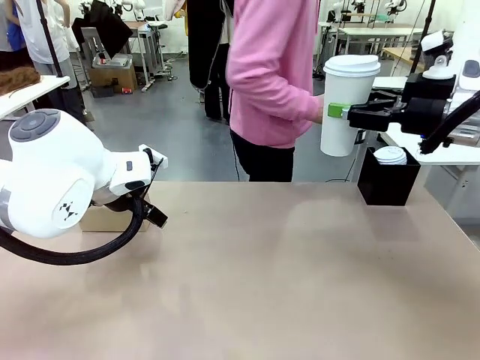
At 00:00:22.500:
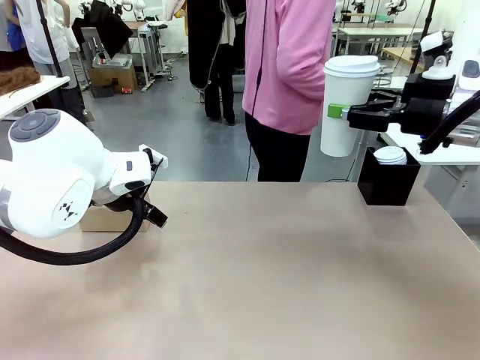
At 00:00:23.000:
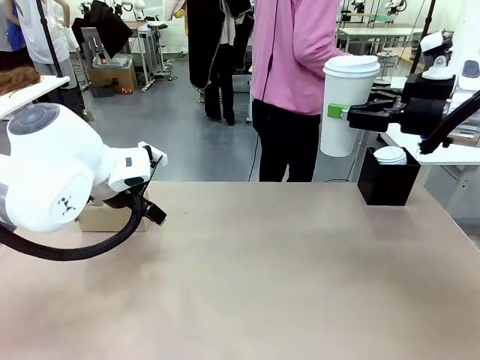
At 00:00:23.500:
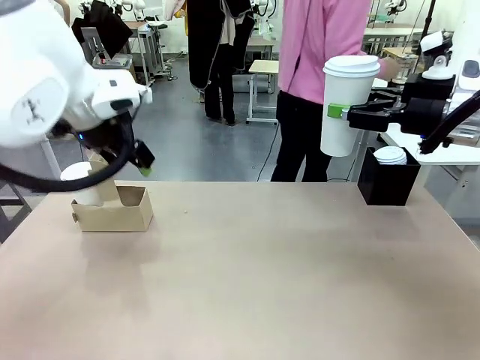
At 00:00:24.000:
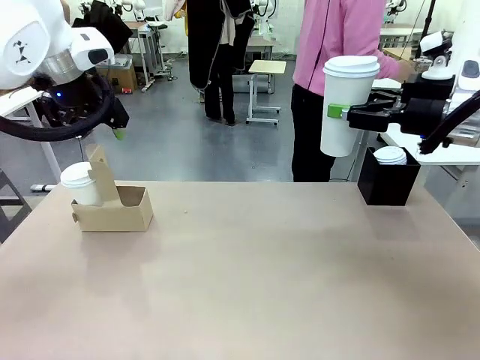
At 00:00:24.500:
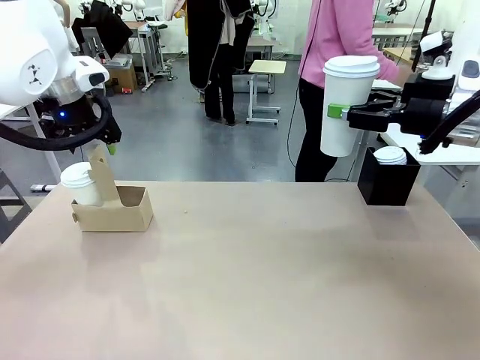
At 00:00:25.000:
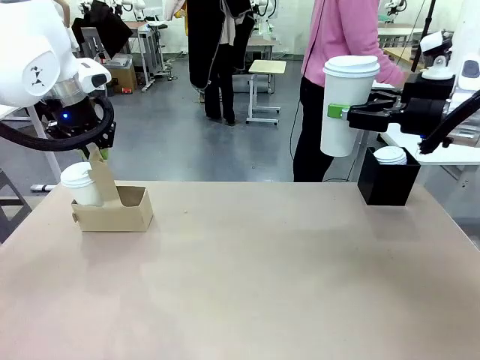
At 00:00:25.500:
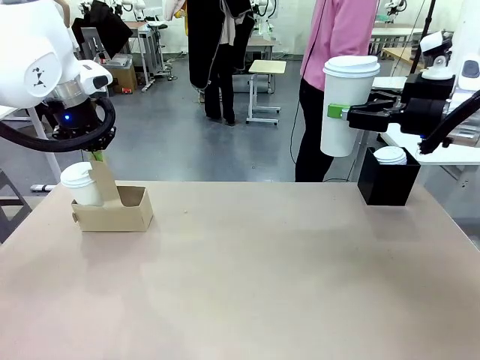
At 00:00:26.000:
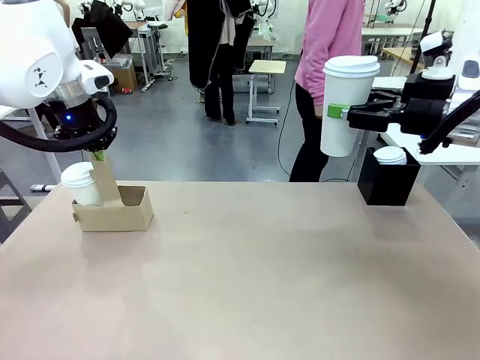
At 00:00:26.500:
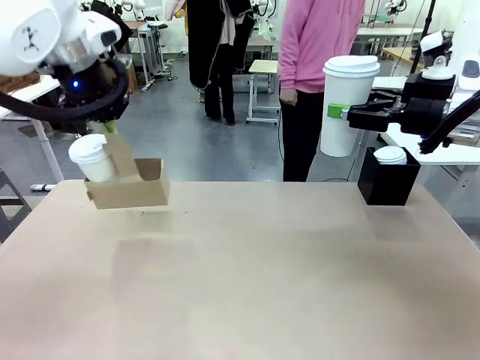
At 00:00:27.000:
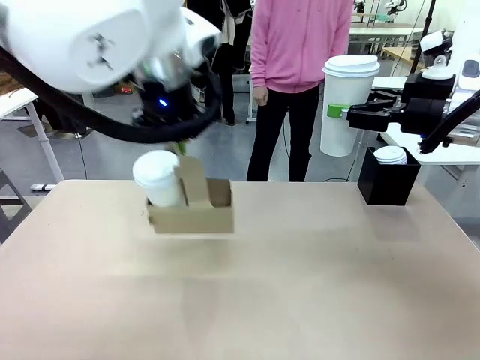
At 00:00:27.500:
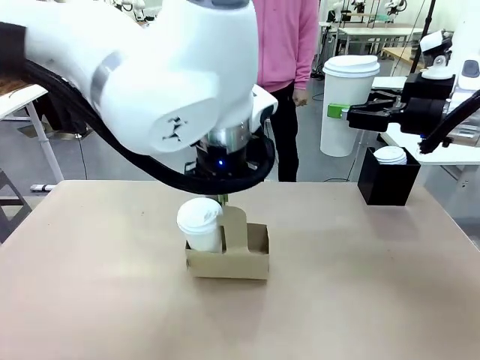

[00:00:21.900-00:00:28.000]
Task: Pour a drink into a cup and package it in a carrier.
Robot: Position the Cup Carrier in the center of the table.
Person: Pick up the Filter Brewing and place on the middle of Human table, and return to the Robot table.

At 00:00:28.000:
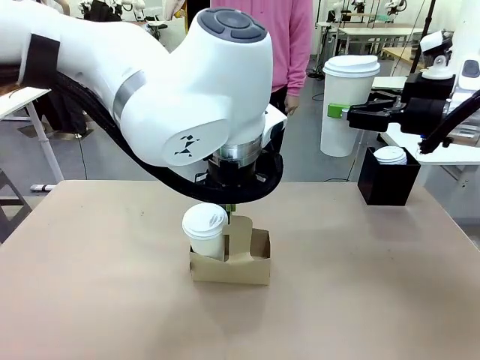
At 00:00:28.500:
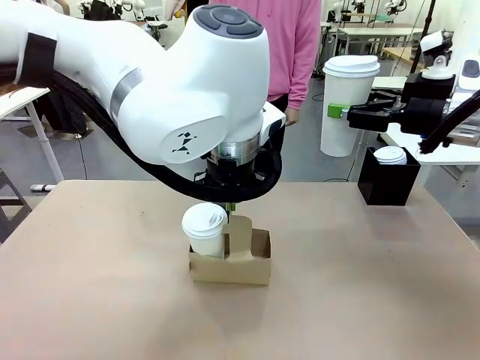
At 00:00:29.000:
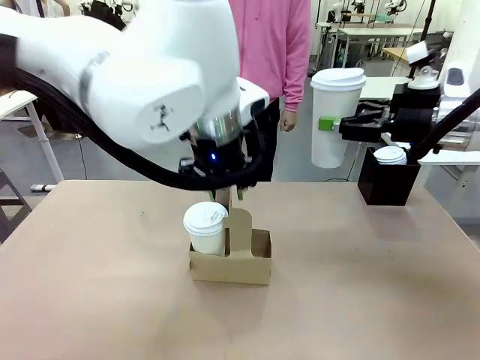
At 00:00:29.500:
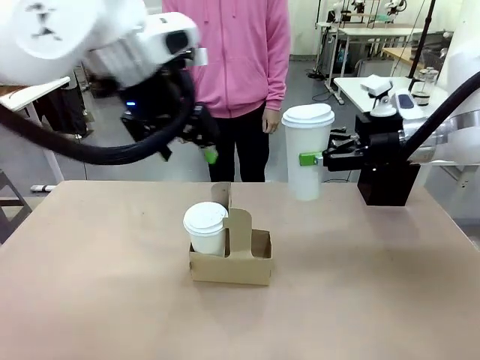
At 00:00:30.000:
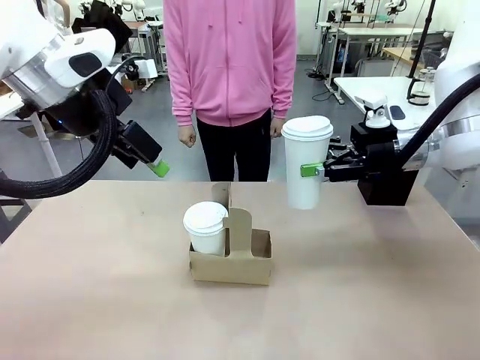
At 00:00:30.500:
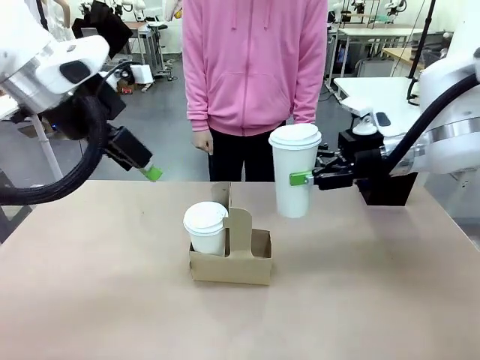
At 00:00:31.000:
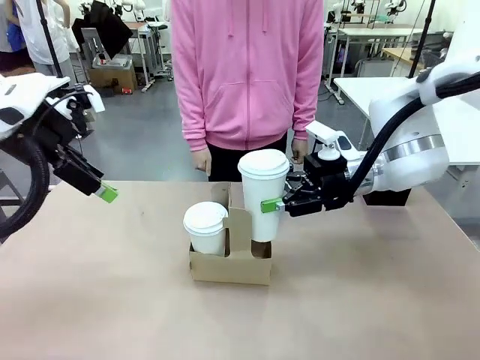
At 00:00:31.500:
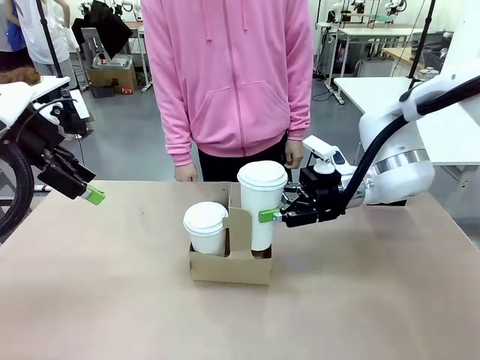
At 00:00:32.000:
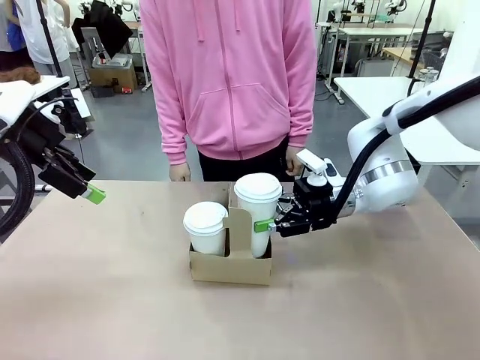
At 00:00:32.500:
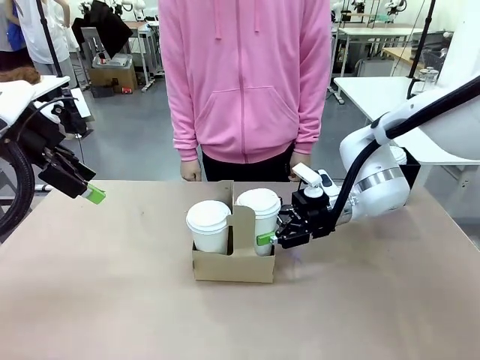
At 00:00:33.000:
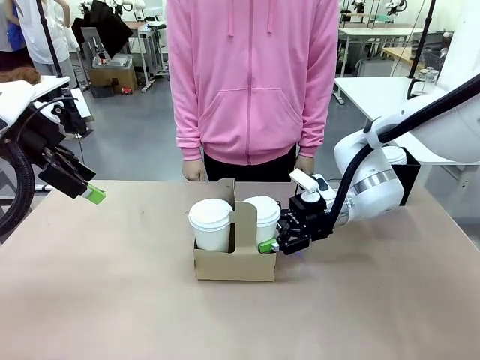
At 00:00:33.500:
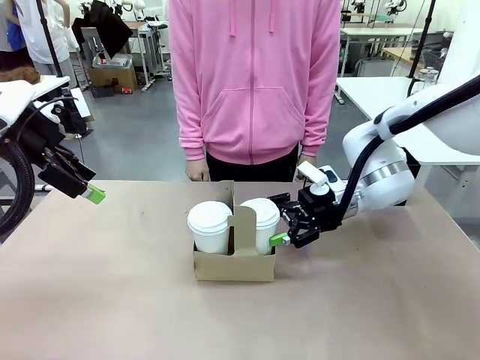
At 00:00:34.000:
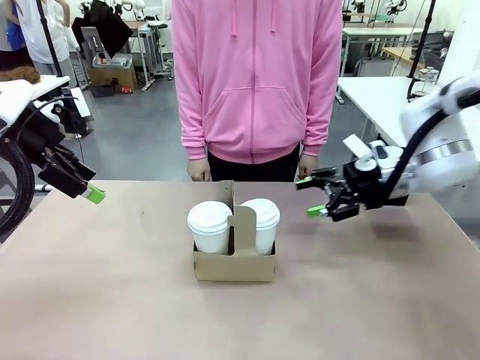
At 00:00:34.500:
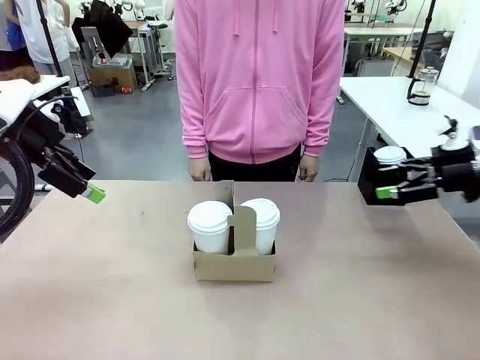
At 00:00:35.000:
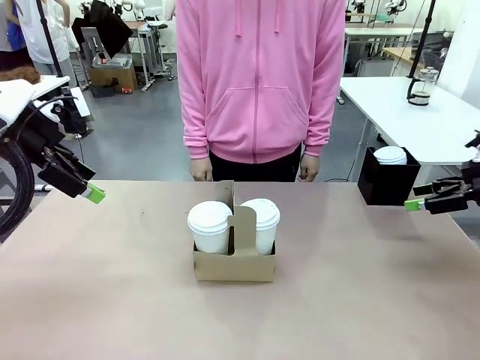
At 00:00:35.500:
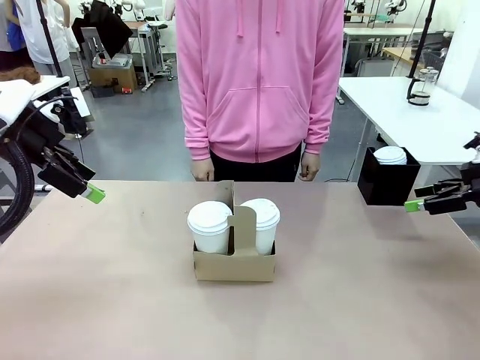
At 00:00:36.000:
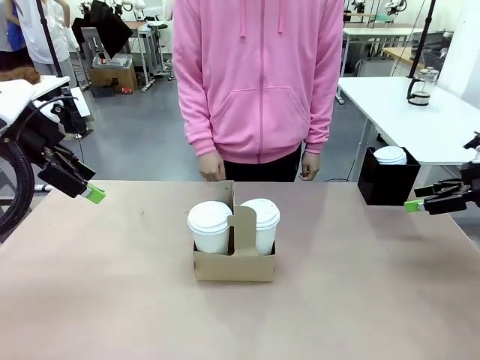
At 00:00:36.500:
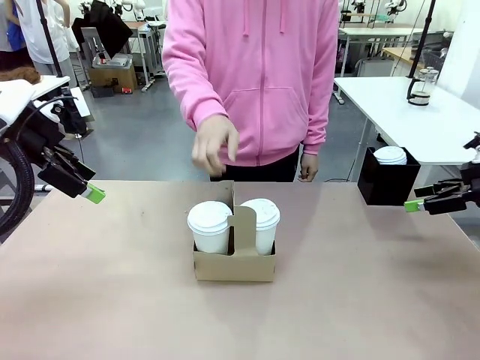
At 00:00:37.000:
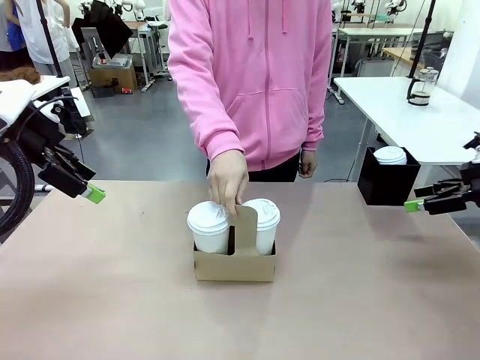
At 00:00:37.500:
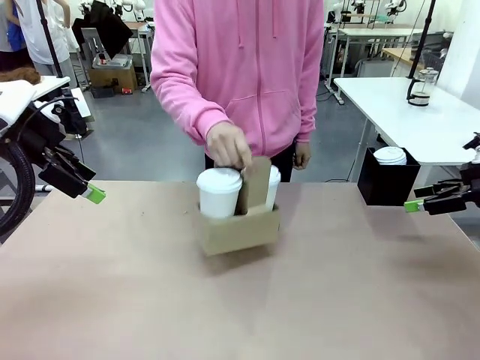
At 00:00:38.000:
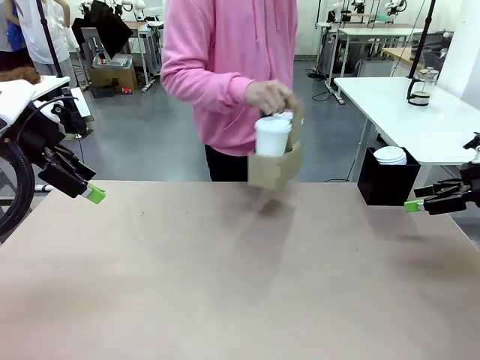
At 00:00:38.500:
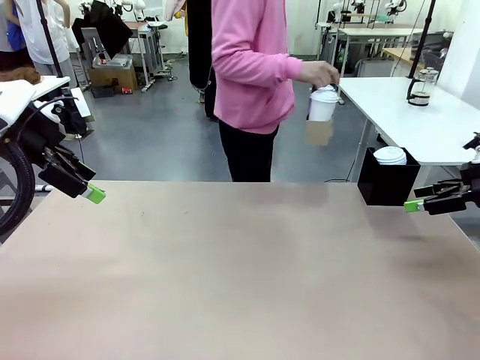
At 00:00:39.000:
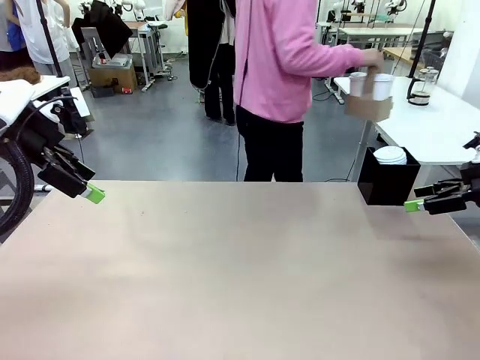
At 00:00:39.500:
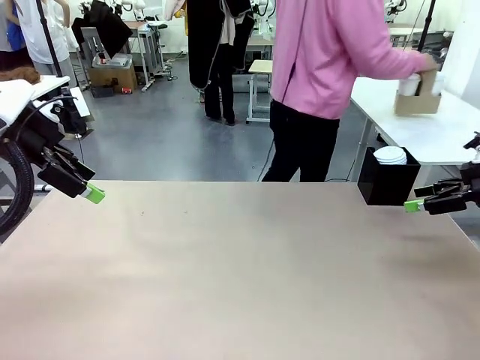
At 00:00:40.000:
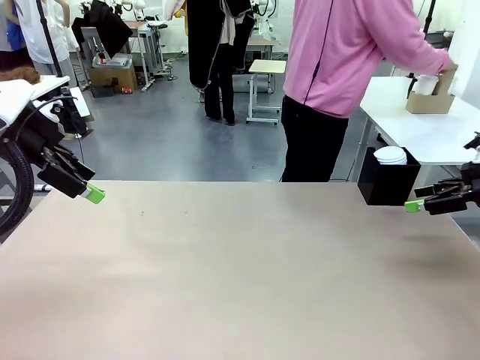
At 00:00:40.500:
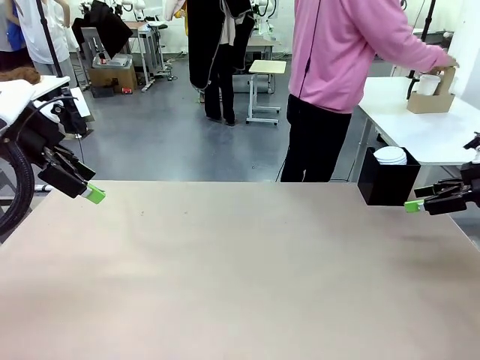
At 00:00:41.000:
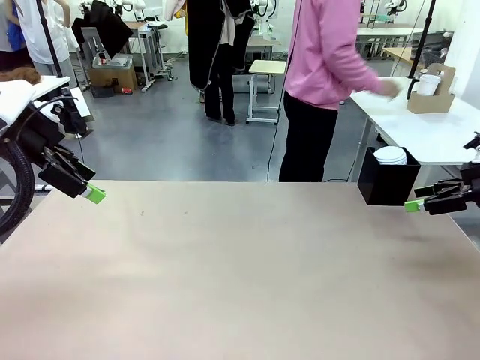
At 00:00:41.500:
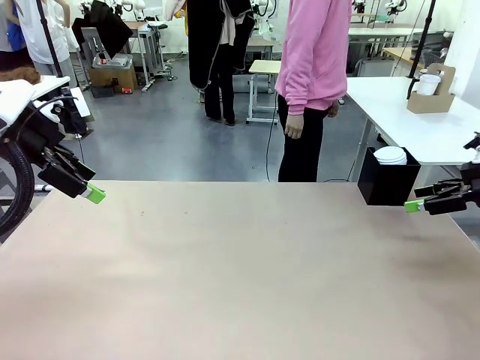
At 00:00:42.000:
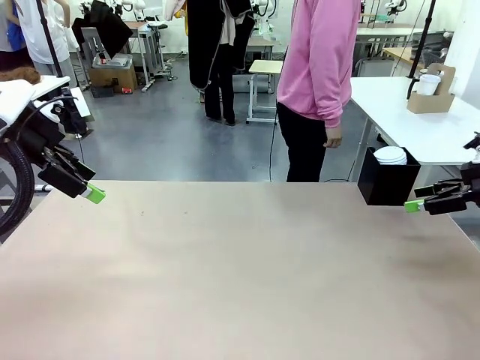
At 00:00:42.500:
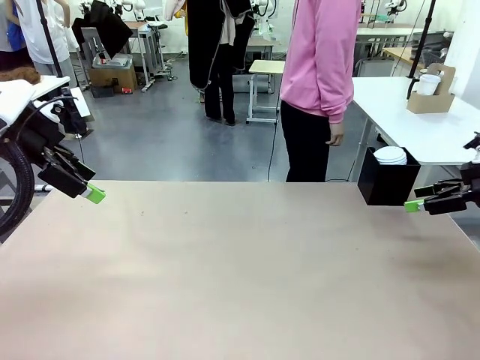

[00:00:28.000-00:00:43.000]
Robot: Insert the held 600 ml Paper Cup into the Cup Carrier.
Person: Place the Cup Carrier to the middle of Human table.

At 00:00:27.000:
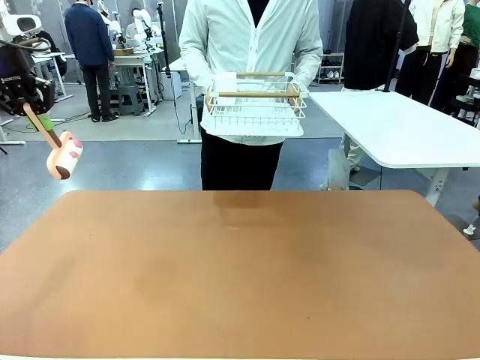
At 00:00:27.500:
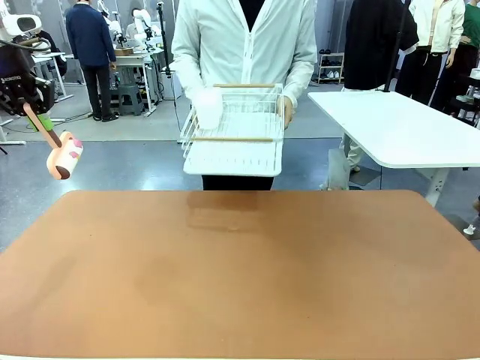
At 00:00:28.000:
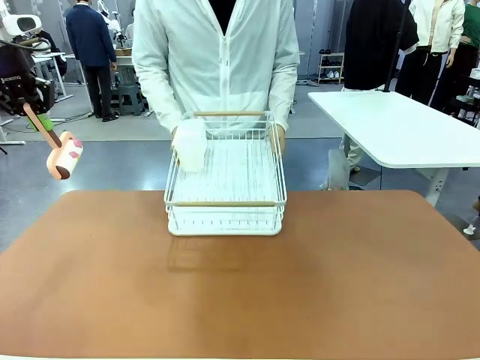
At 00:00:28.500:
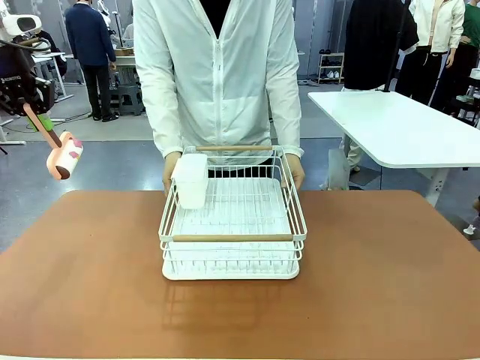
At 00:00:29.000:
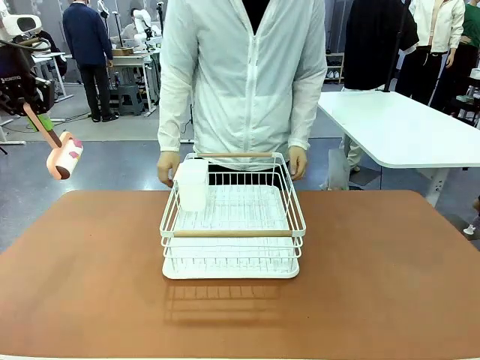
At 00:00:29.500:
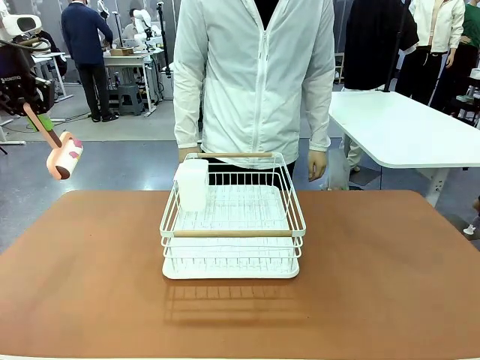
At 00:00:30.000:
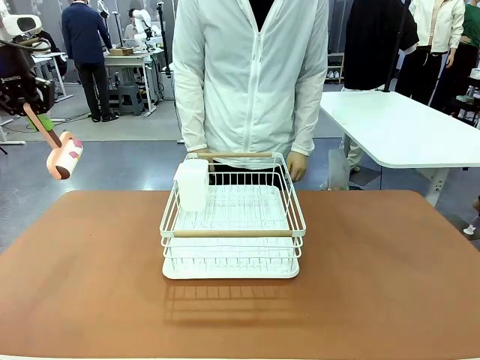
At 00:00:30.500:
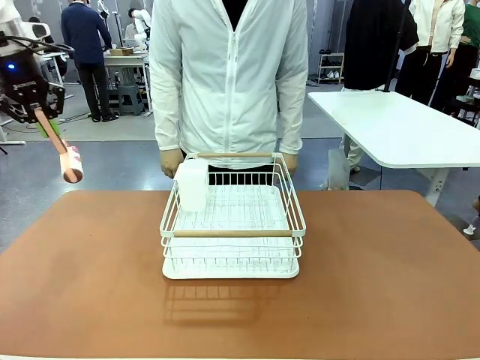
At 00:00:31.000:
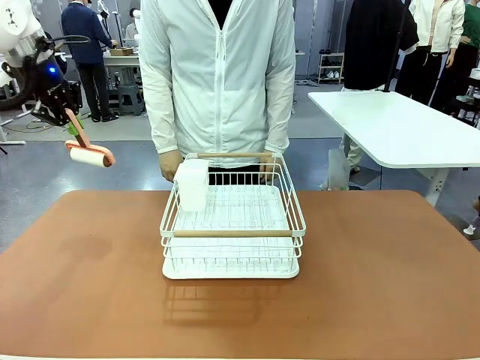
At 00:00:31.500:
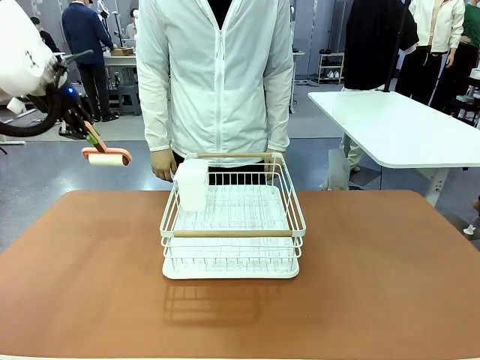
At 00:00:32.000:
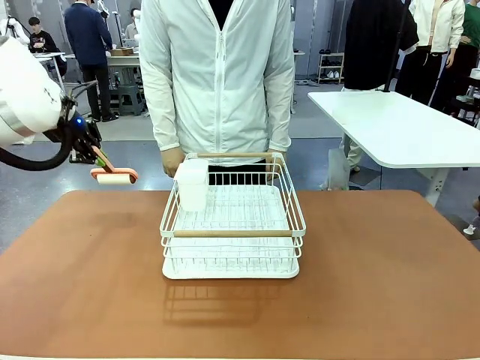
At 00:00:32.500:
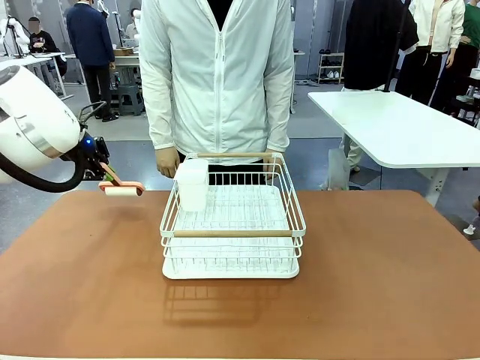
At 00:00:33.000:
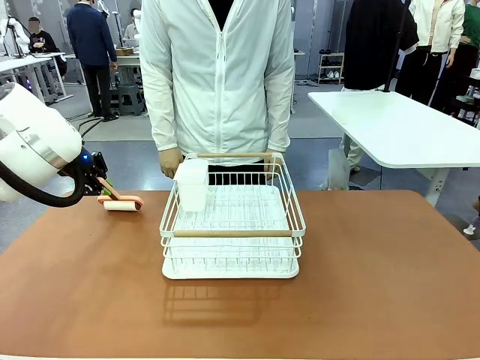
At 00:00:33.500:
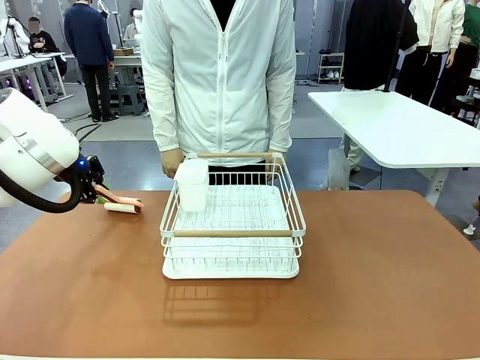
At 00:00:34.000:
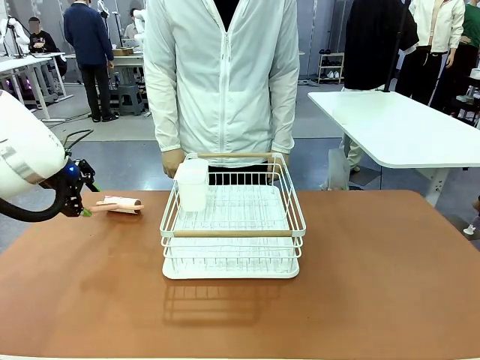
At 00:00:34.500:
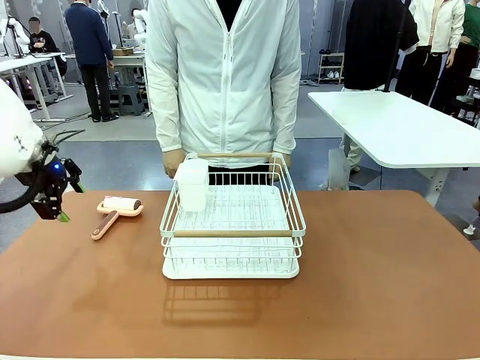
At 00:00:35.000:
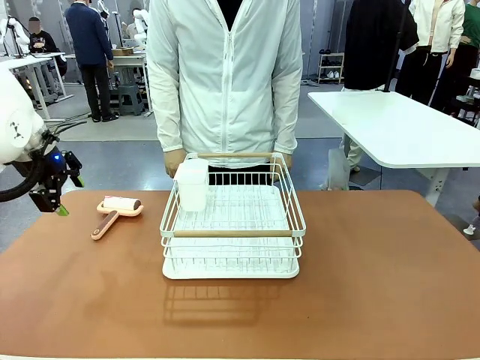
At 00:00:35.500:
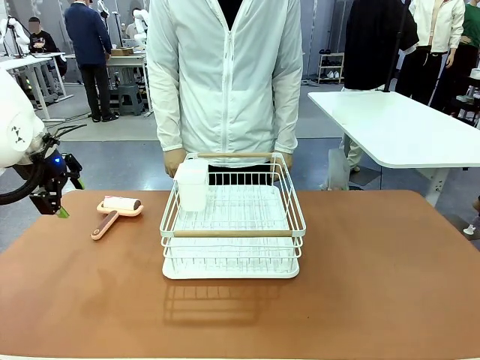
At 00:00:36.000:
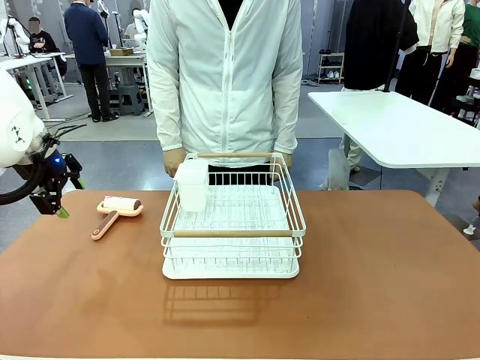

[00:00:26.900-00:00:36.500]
Task: Clean the table.
Robot: Place the Lint Roller down when the Dish drying rack is positioned in the middle of the table.
